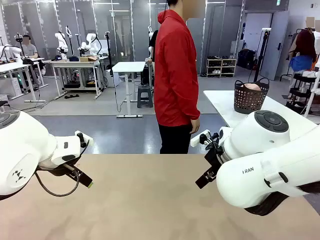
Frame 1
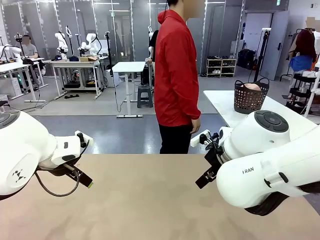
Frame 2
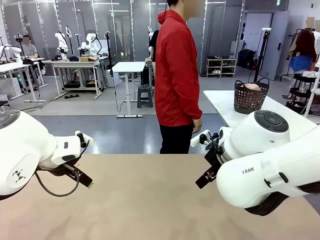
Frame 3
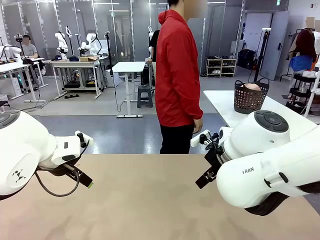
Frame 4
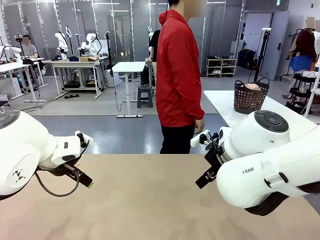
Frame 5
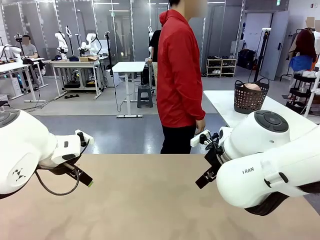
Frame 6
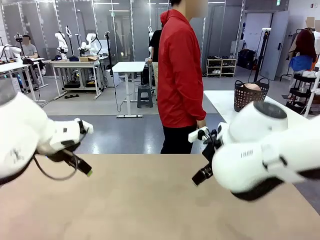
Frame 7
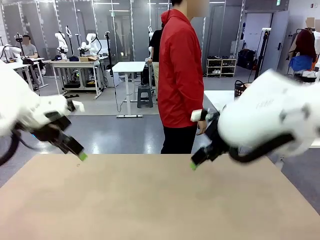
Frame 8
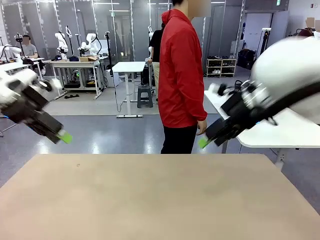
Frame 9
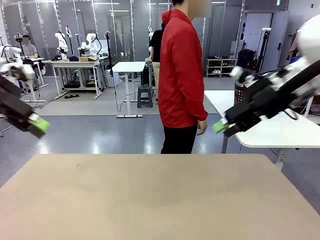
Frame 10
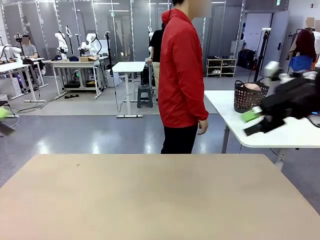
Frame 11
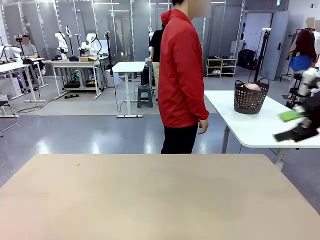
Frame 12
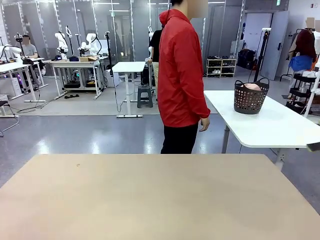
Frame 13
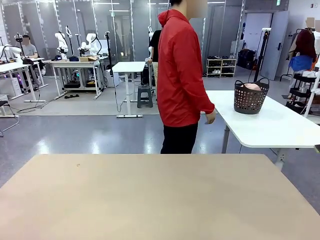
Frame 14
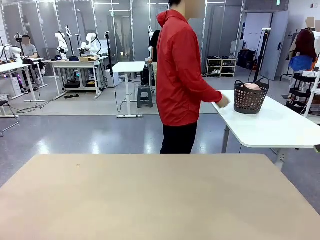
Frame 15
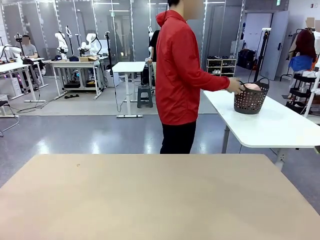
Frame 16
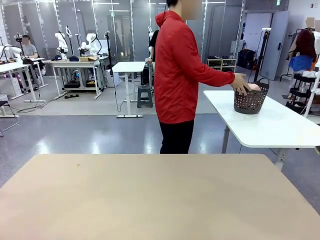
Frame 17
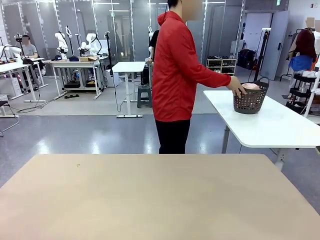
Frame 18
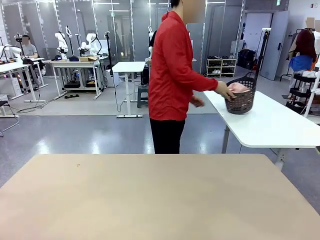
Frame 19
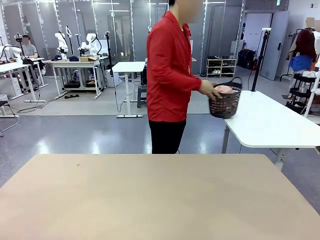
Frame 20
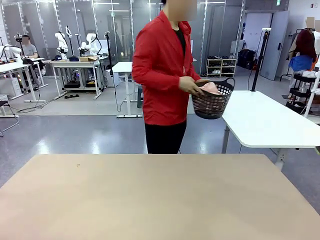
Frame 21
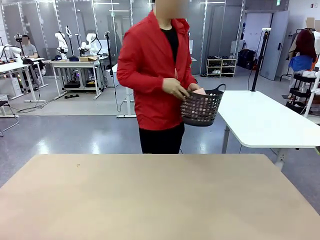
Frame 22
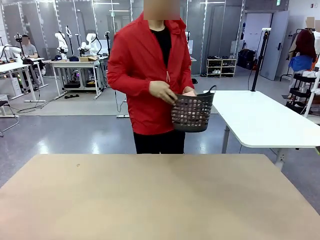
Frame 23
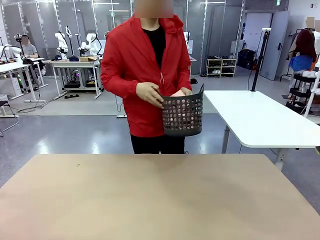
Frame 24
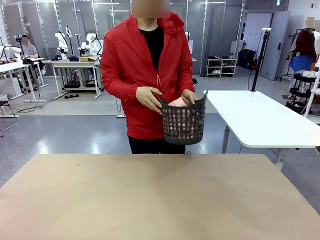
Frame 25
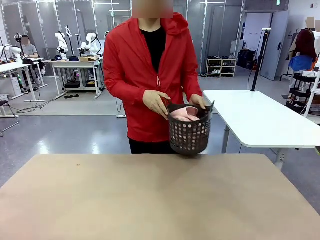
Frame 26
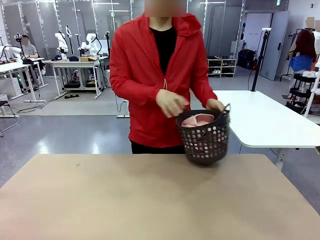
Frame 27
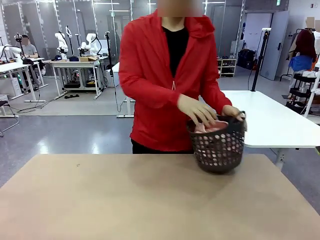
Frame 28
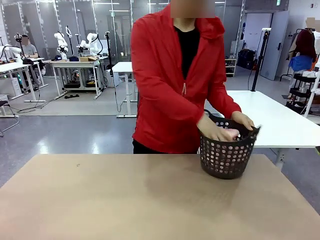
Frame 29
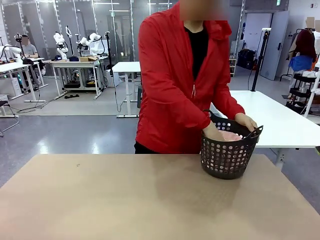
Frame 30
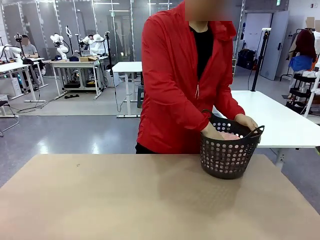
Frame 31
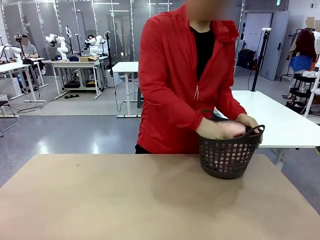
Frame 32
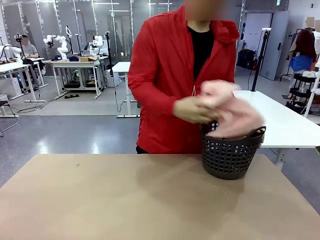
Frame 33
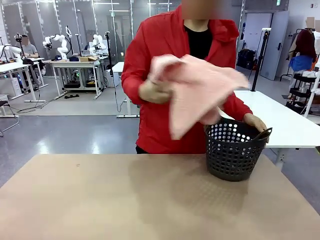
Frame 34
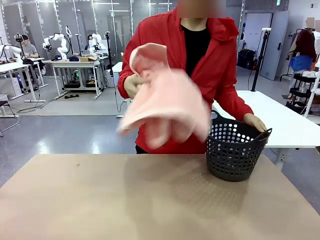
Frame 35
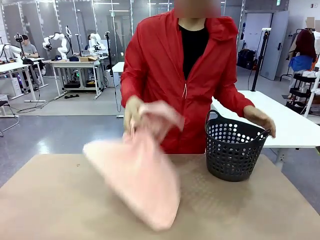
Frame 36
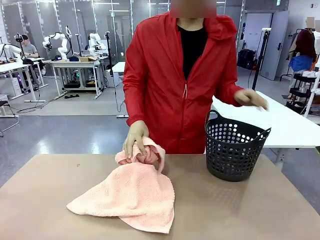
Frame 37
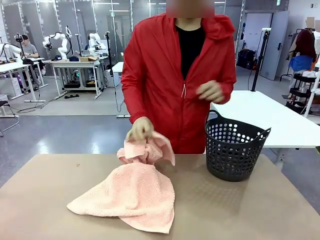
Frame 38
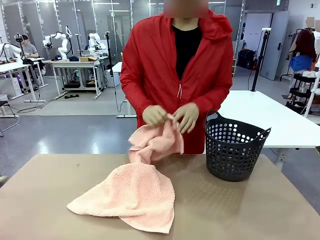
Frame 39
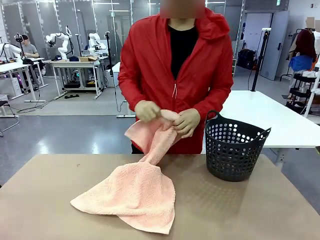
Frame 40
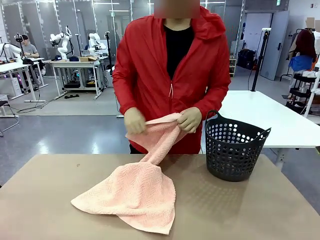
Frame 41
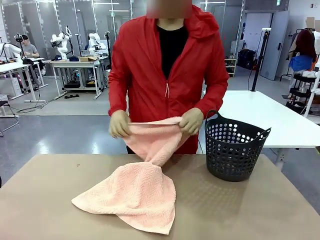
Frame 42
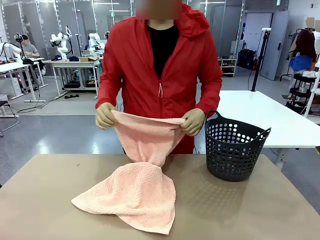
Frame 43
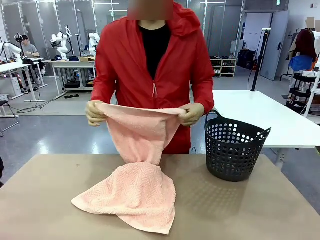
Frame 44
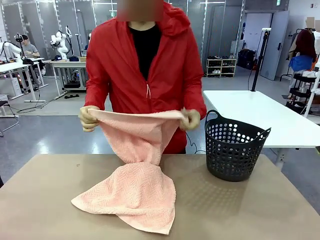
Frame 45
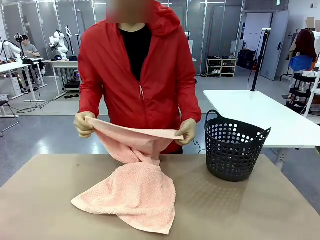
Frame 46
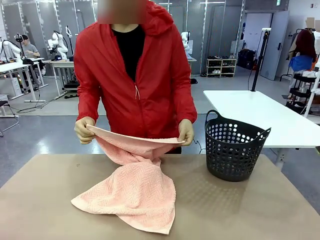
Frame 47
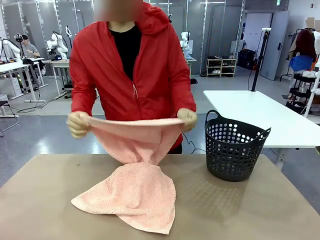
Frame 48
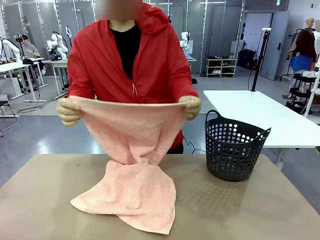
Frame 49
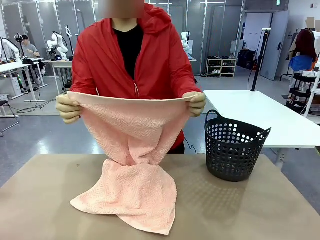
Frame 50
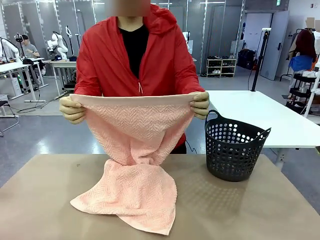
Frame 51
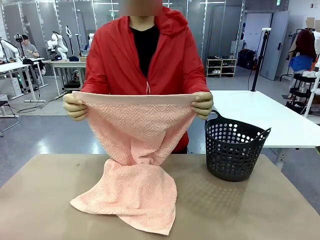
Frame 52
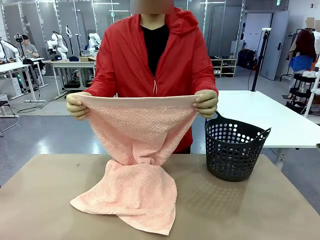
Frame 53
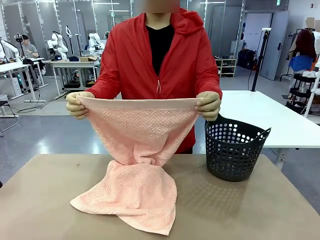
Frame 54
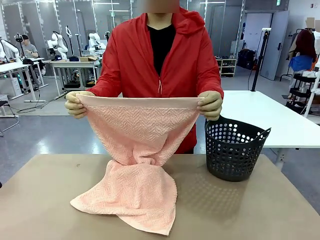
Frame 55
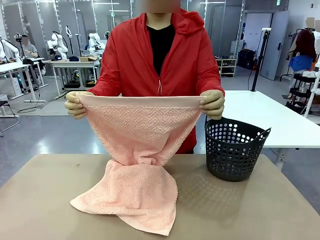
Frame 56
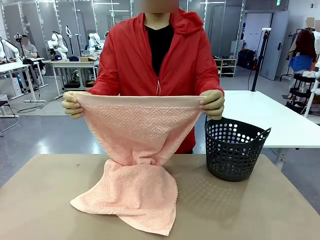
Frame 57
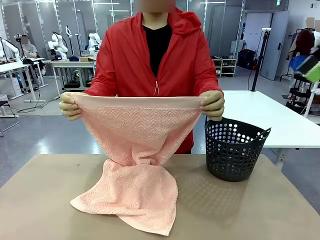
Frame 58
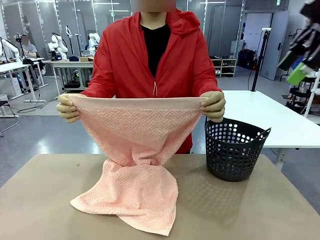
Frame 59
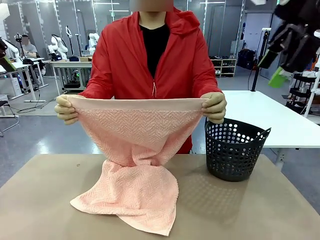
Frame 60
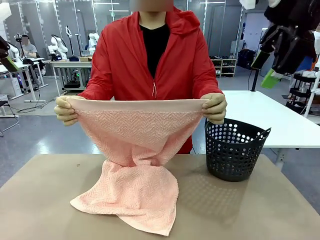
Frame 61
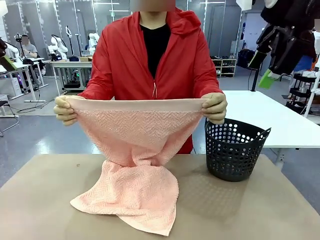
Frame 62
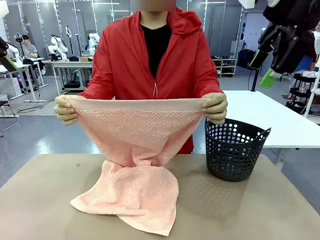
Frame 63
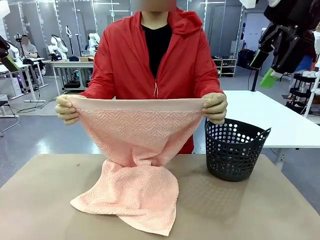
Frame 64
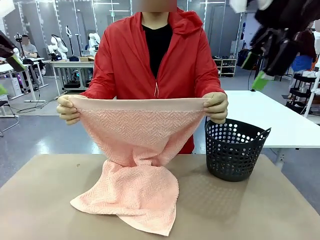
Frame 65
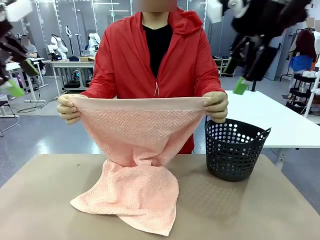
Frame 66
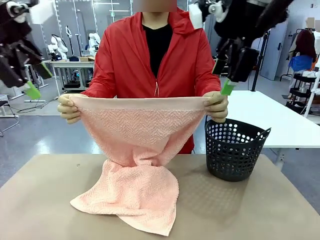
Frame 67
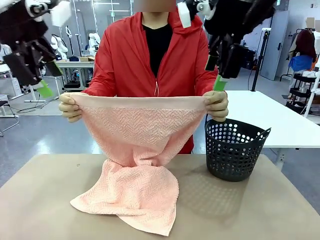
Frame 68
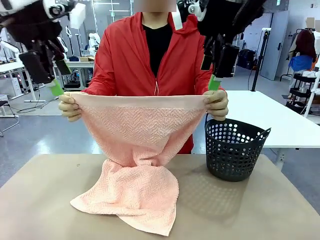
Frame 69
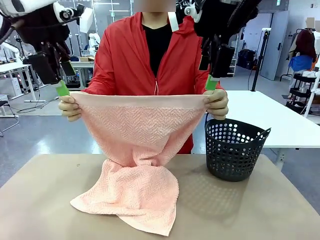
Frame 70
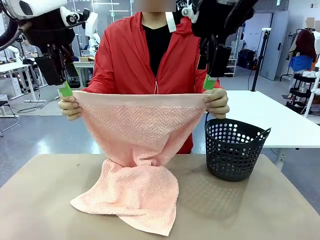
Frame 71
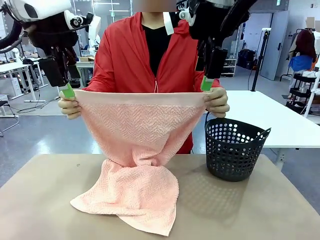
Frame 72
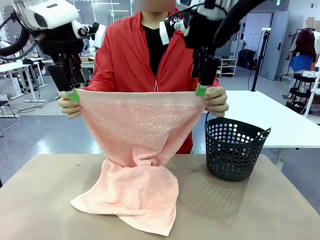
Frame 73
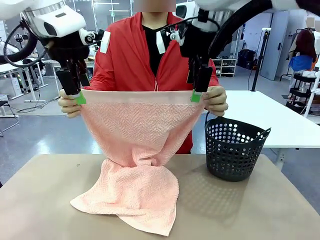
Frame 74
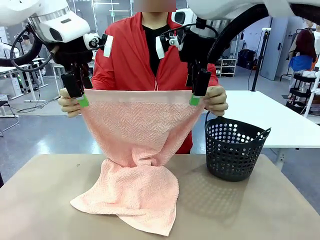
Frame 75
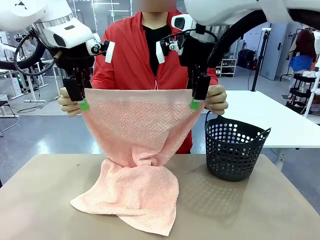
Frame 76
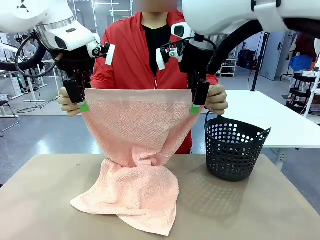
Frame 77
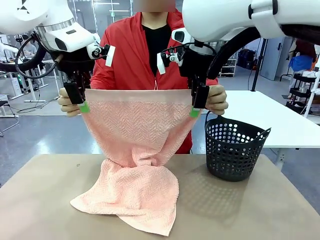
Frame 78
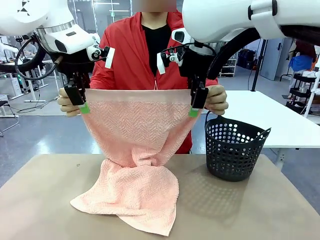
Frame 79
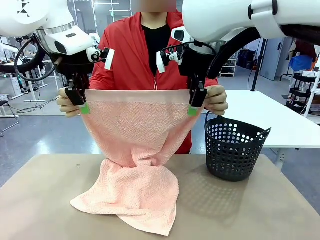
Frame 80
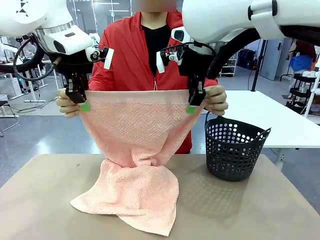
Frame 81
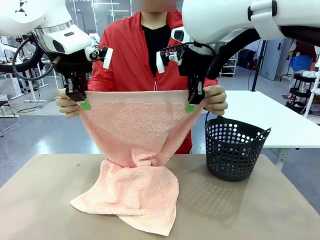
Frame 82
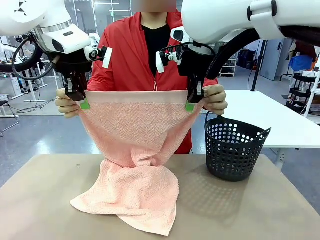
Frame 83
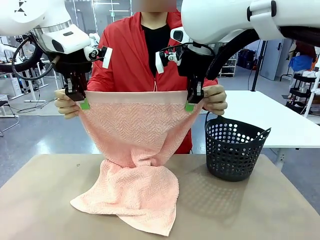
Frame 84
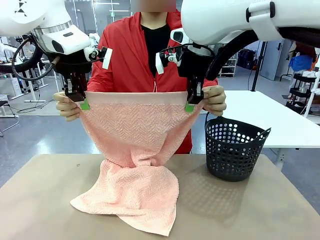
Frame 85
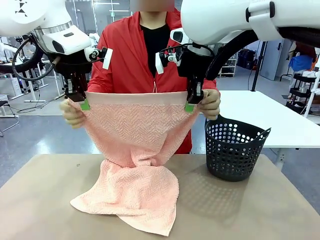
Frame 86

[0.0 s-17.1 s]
Task: Fold the towel.
Robot: Grab the top end of the 100 cm Hotel Towel extended by the human.
Person: Pick up the laundry basket, place it on the left side of the robot table, then take out a towel and hand it to the robot while holding both corners of one end.
